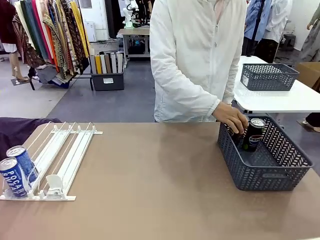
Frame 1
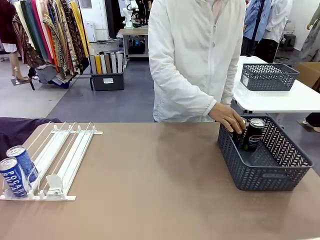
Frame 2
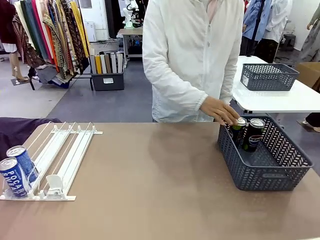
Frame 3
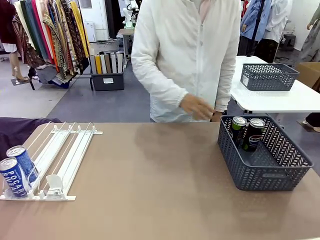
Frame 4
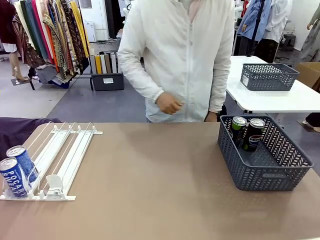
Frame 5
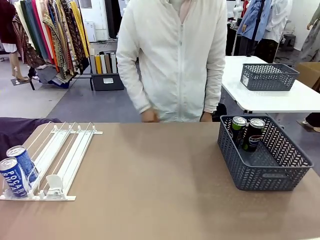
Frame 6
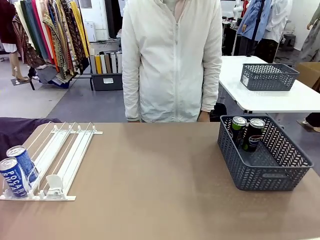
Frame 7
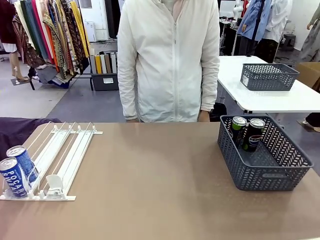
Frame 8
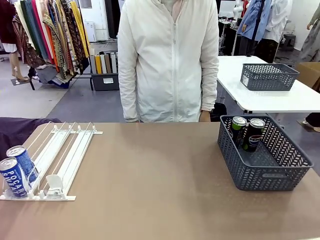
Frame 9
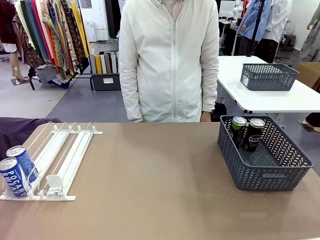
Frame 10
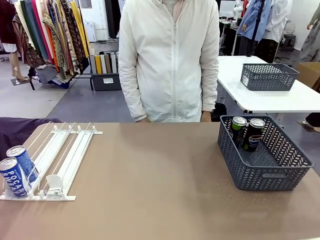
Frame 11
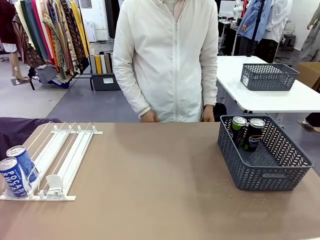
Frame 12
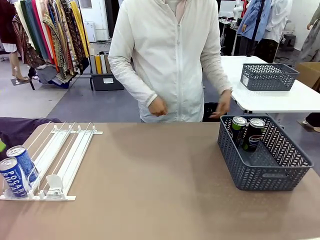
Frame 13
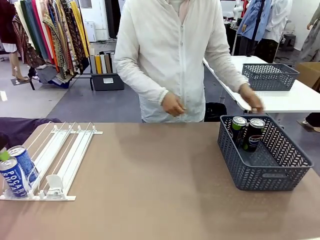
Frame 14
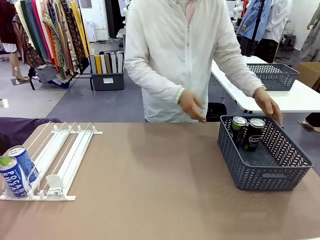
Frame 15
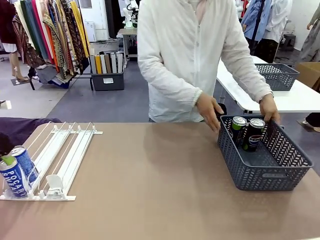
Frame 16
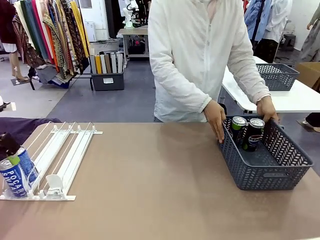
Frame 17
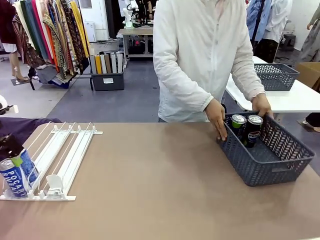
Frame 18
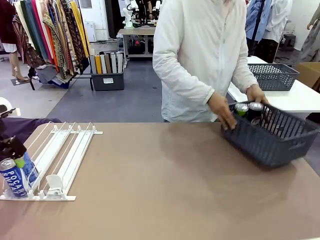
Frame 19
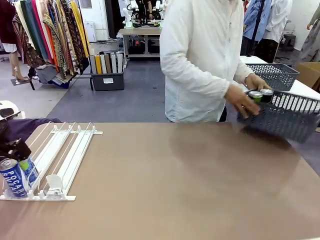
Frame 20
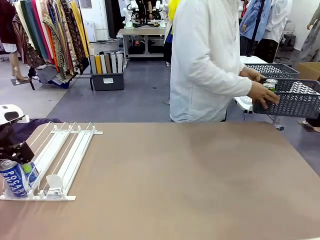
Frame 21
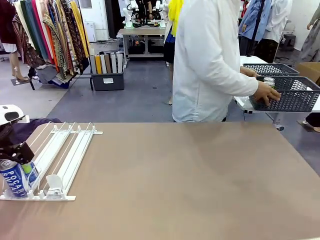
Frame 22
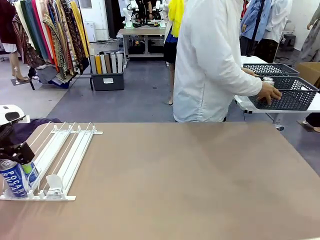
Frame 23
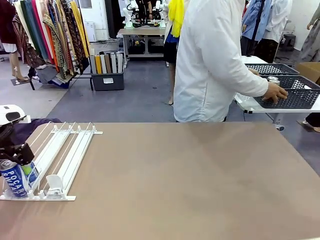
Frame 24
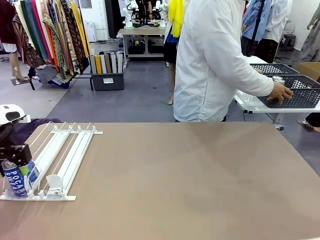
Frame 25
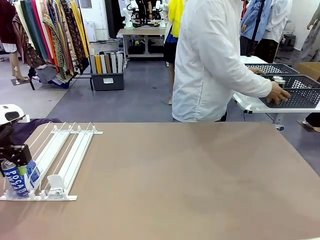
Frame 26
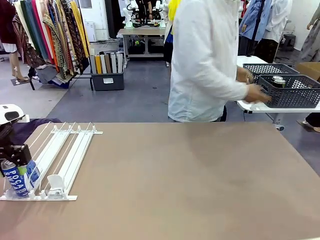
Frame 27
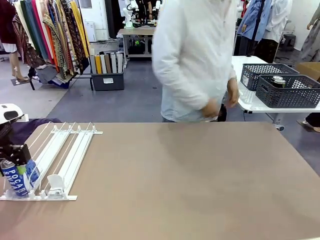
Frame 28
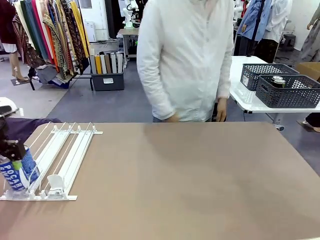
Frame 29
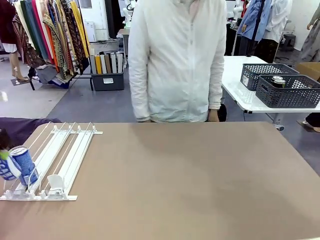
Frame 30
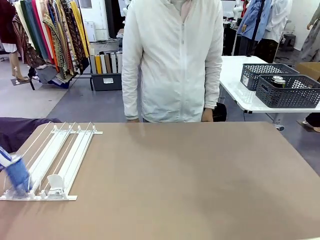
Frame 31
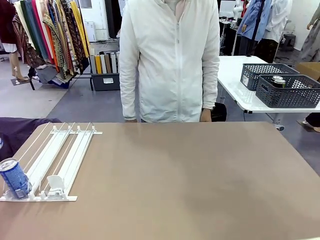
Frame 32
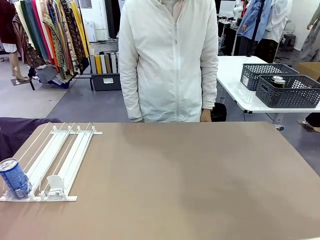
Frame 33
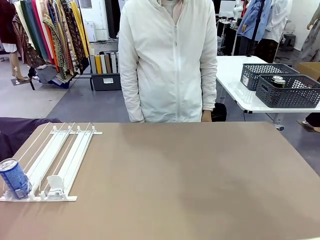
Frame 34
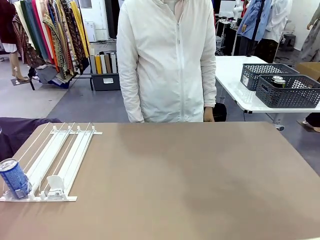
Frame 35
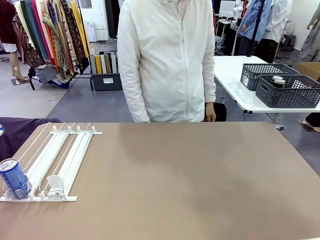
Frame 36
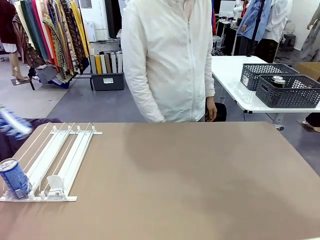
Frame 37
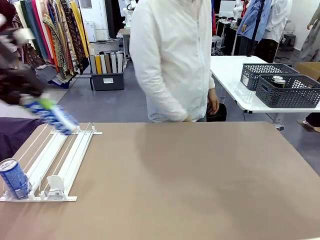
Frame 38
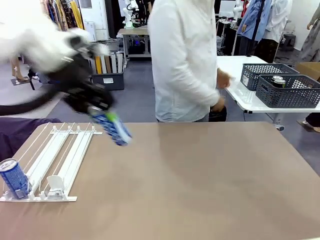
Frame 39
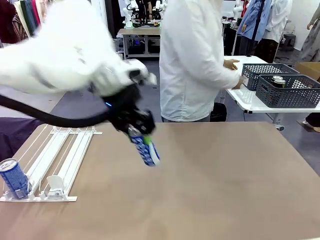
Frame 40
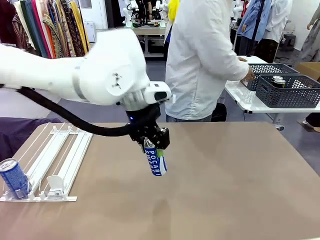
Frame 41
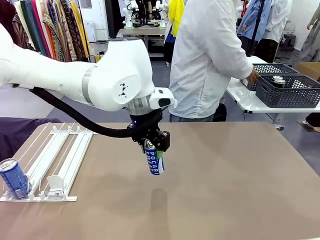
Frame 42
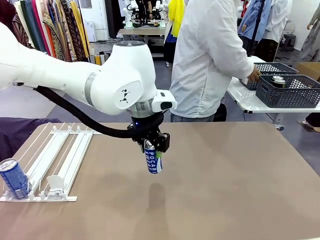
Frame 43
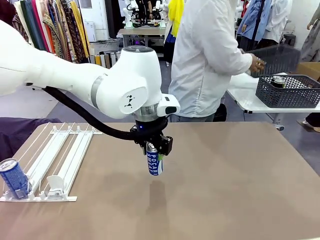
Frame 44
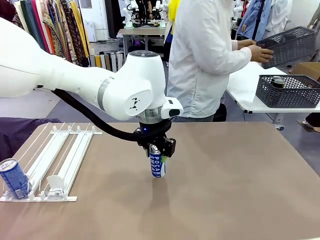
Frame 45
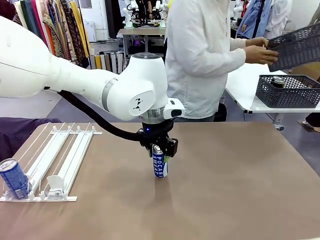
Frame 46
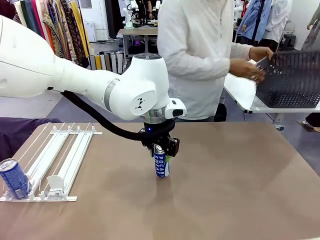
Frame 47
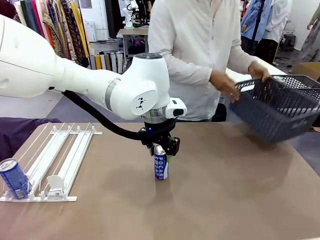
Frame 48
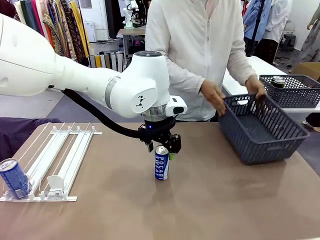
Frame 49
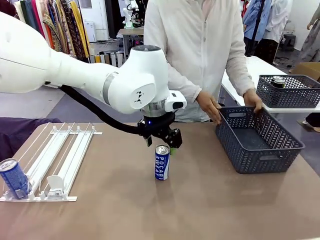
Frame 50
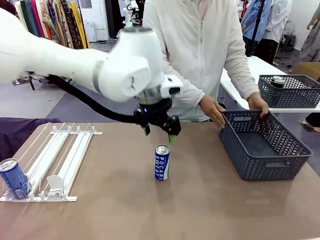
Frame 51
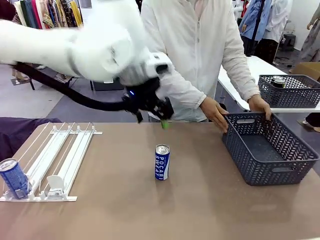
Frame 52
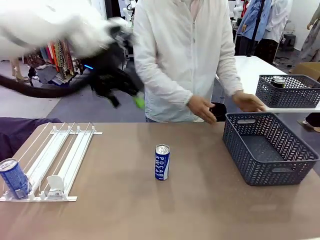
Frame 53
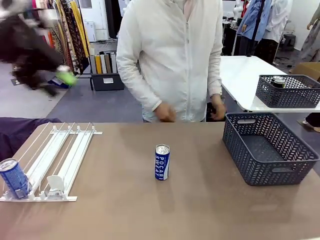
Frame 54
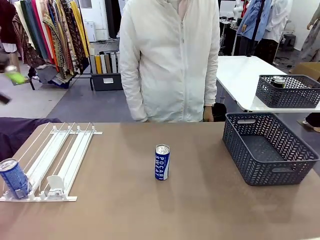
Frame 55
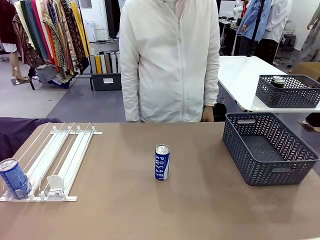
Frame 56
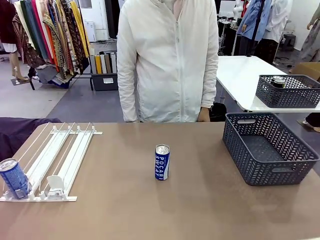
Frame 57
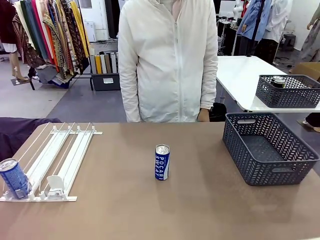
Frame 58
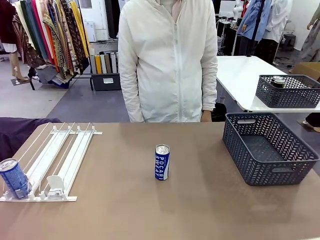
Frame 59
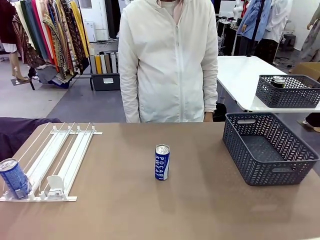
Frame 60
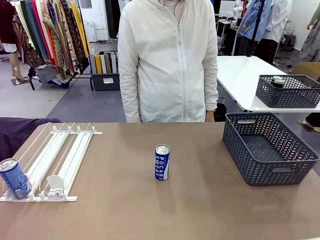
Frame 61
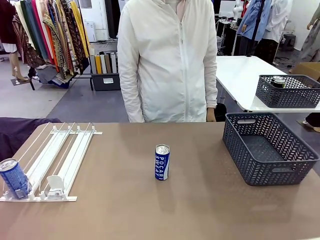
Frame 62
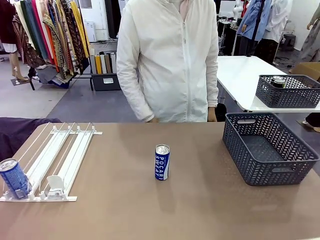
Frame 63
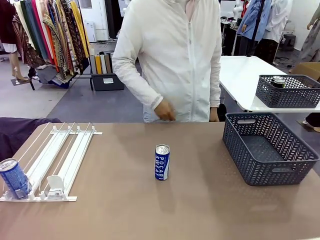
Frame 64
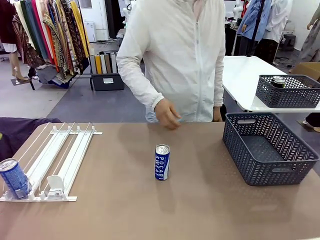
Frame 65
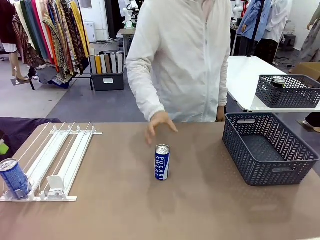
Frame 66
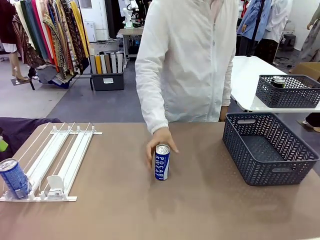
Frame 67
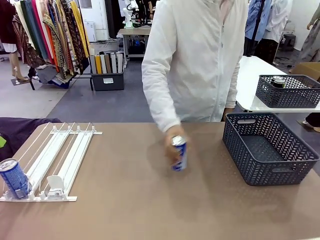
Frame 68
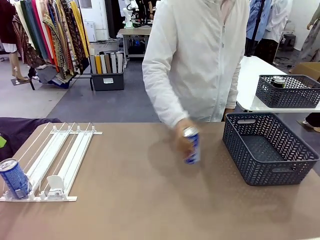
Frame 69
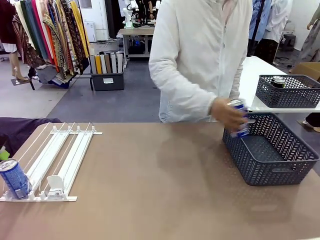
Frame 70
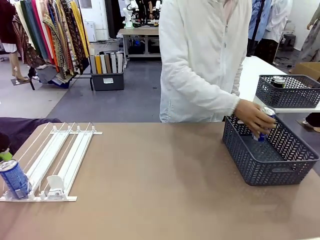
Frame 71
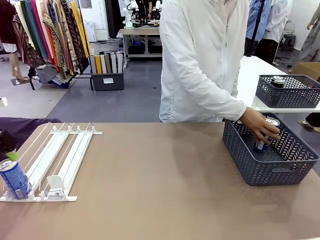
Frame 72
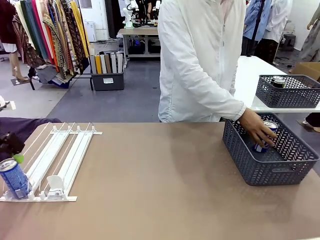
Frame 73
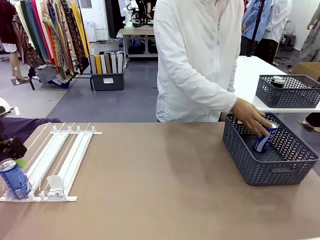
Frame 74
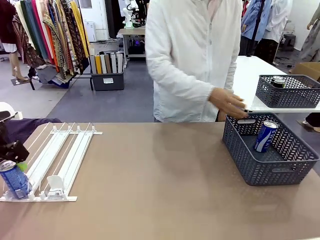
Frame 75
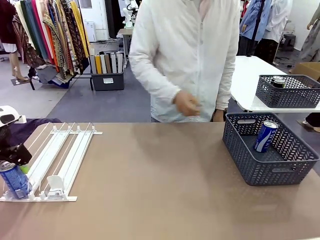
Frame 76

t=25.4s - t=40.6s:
Task: Retrieve and store the cans from the dispenser.
Robot: Pick up one can from the Automatic Can Dispenser and place it in the middle of the table.
Person: Pick up the basket and place it in the middle of the human table. Pick up the empty basket and place it on the left side of the robot table.
